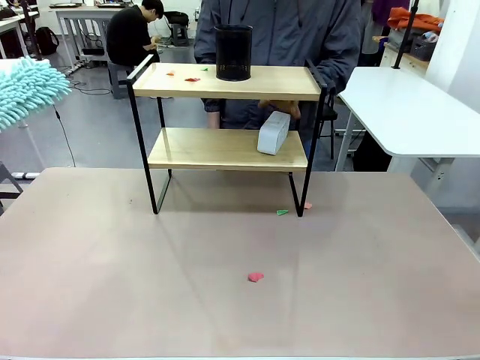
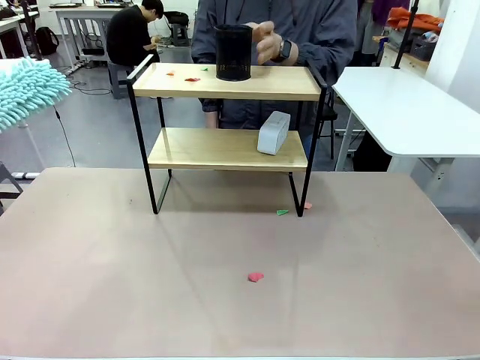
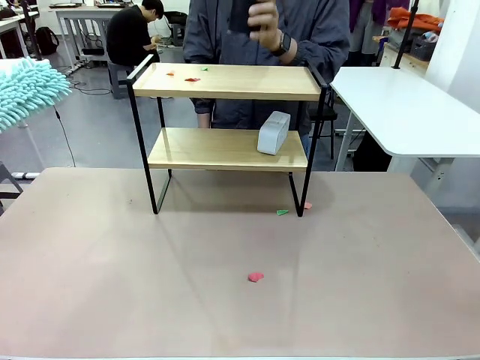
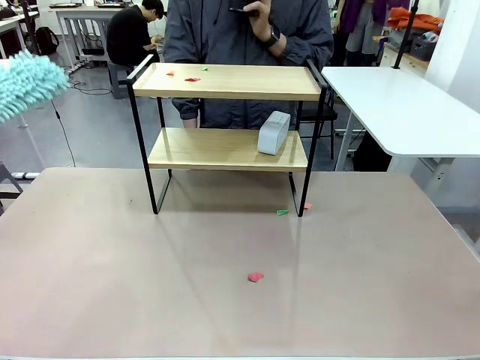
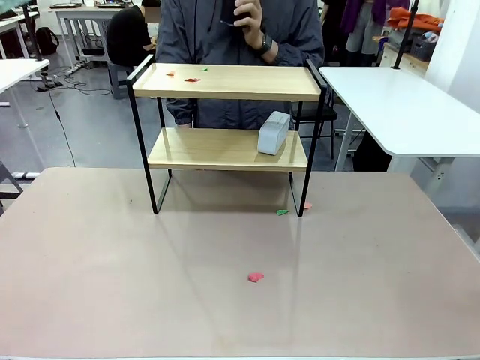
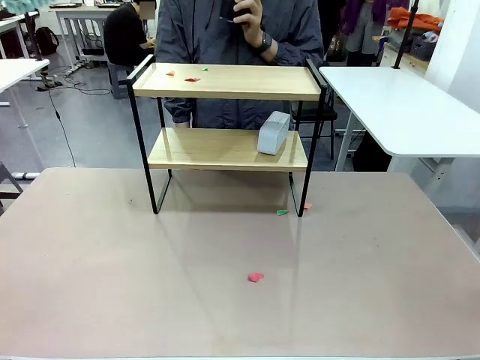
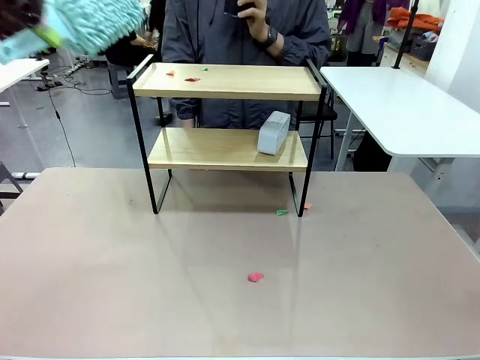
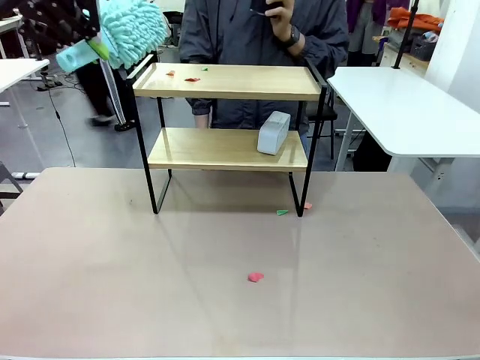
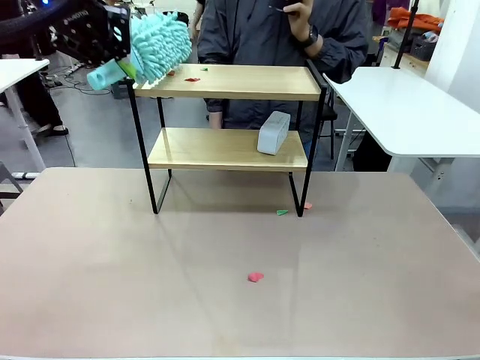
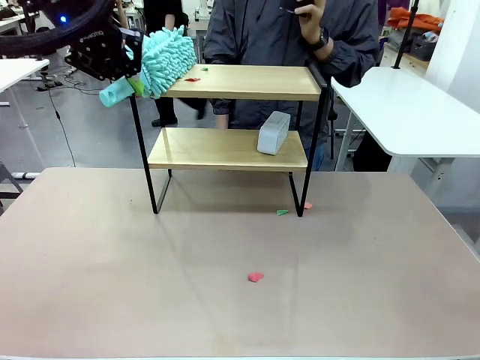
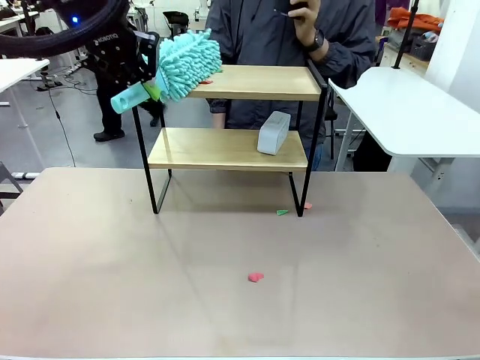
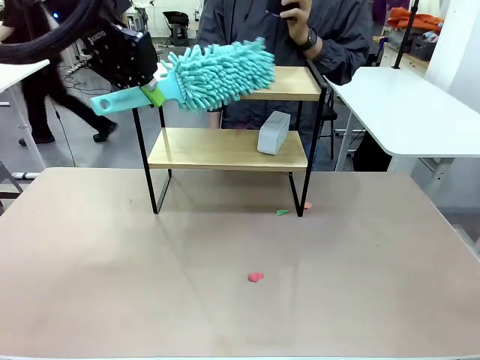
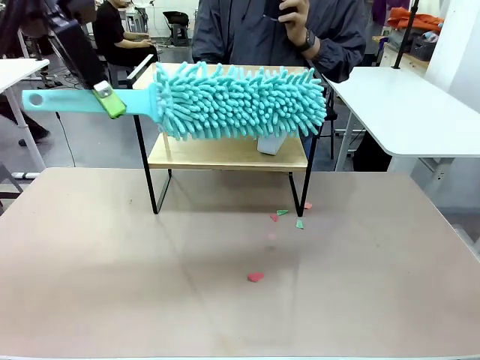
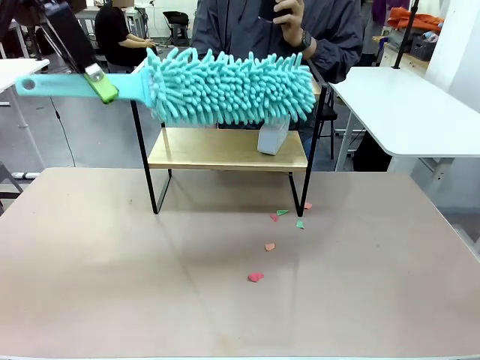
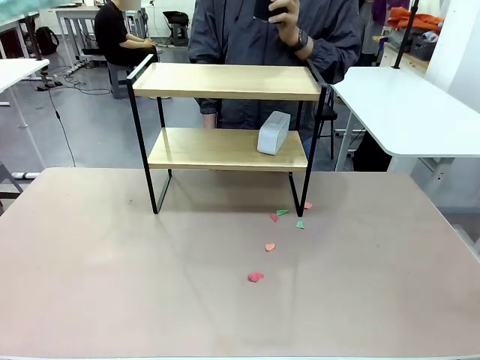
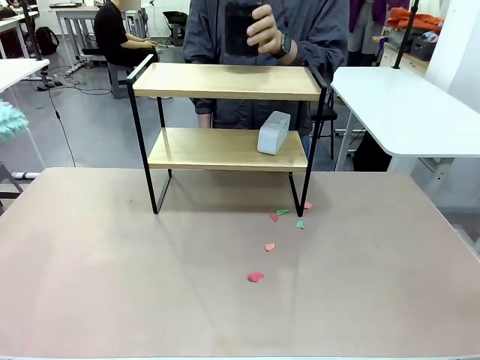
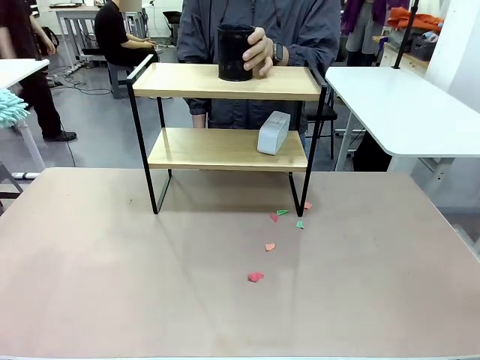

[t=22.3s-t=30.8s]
Task: Clean the shelf.
Robot: Clean the remaining tier of the Shelf with the Duster once objects are removed.

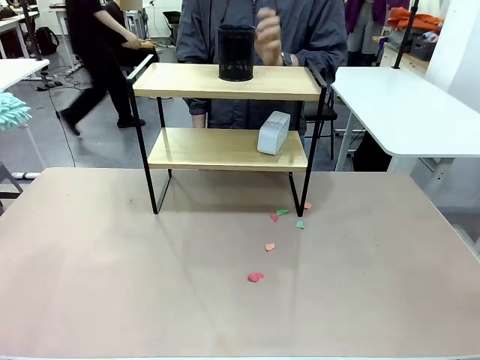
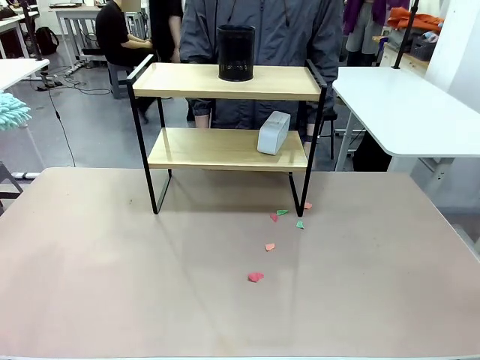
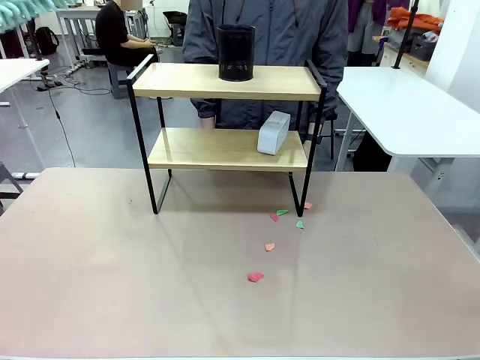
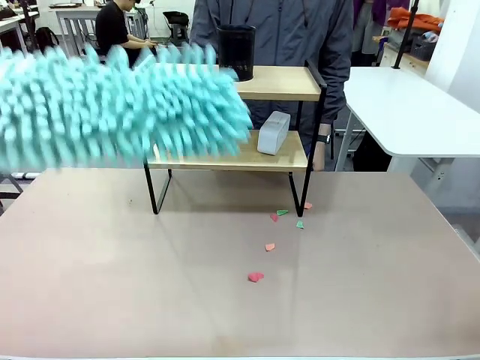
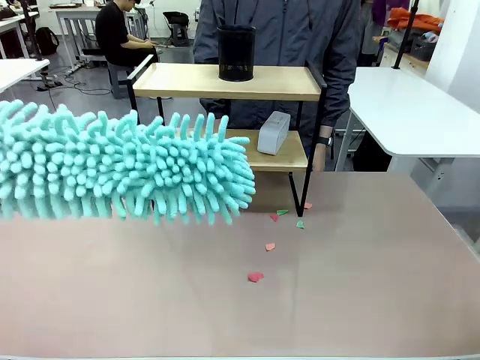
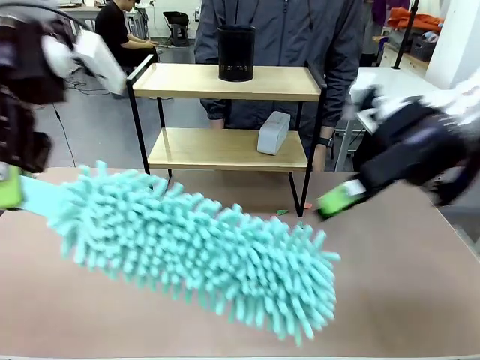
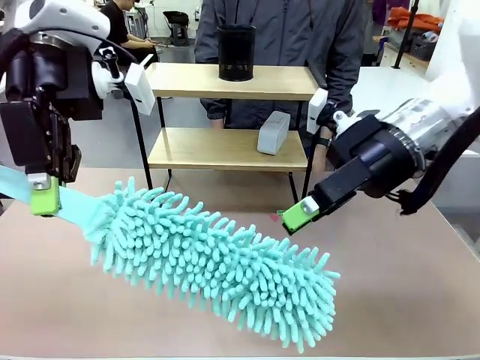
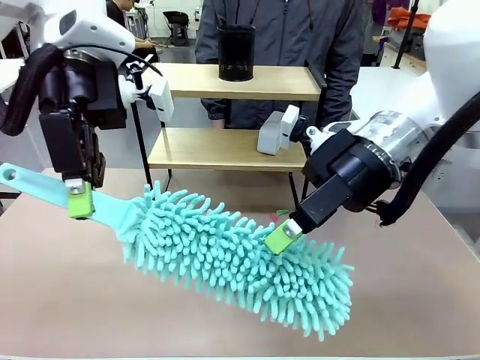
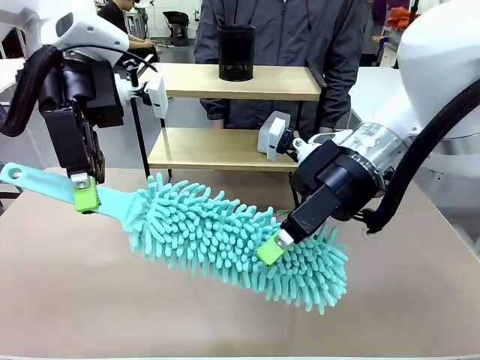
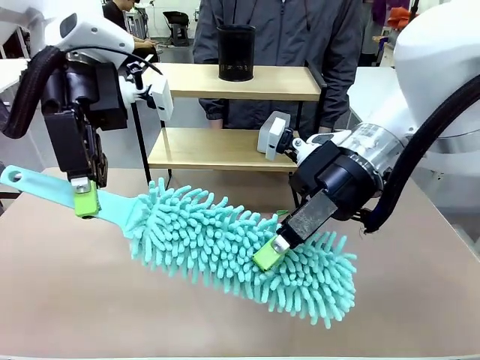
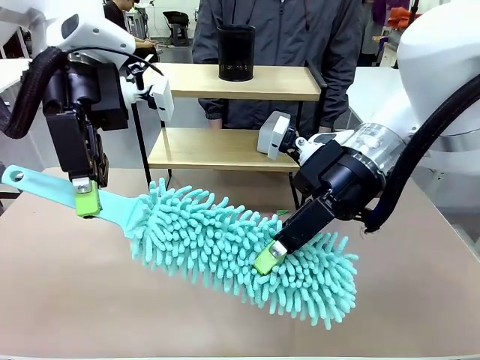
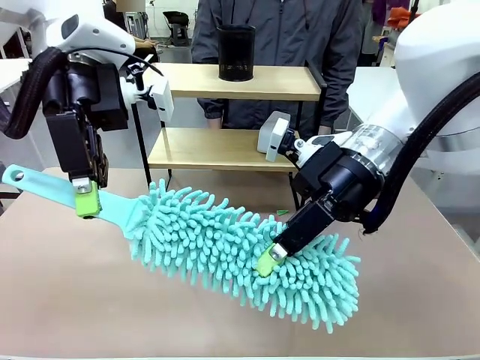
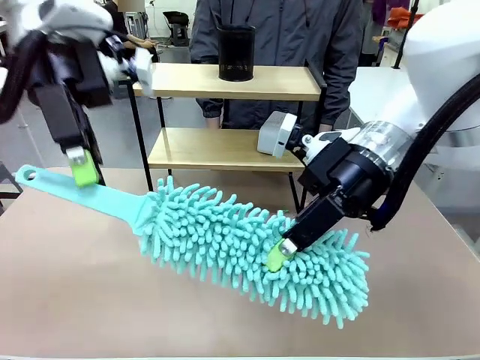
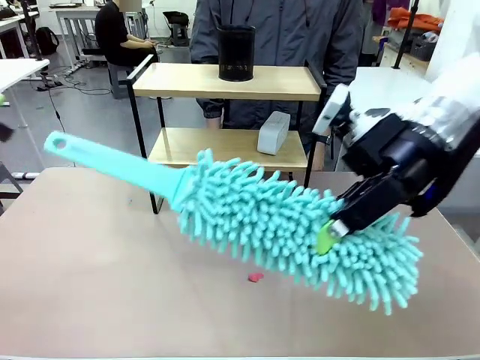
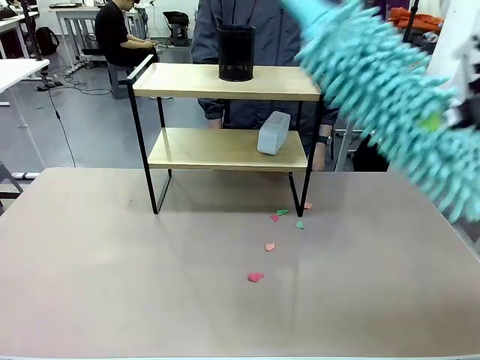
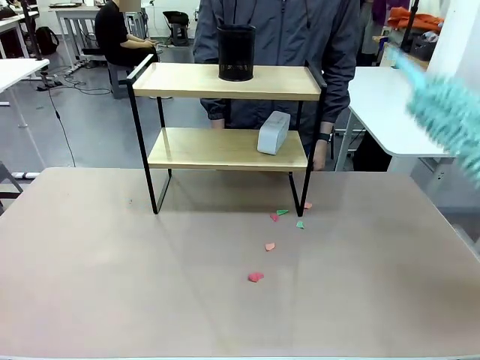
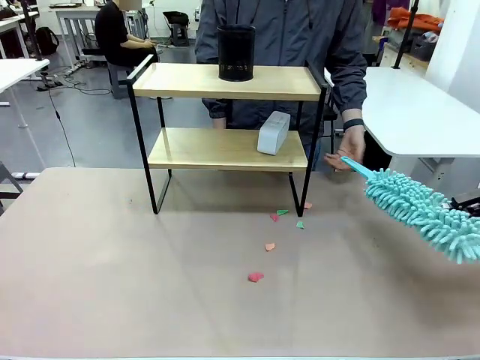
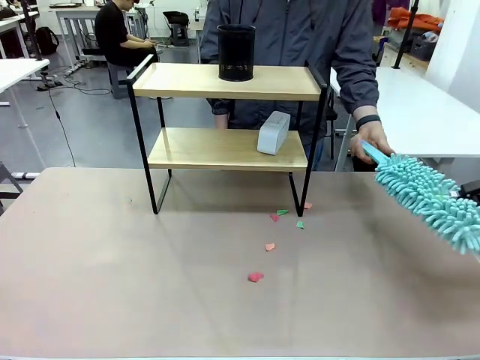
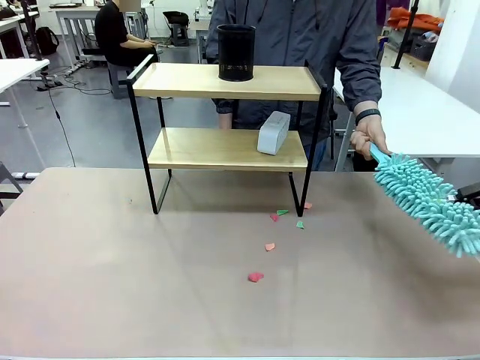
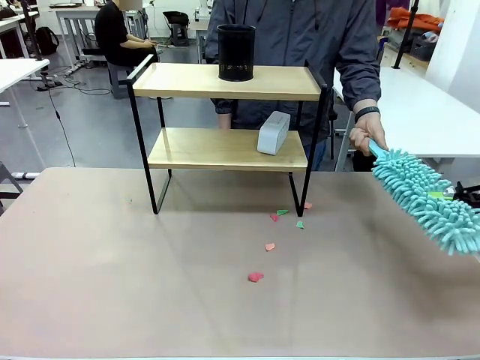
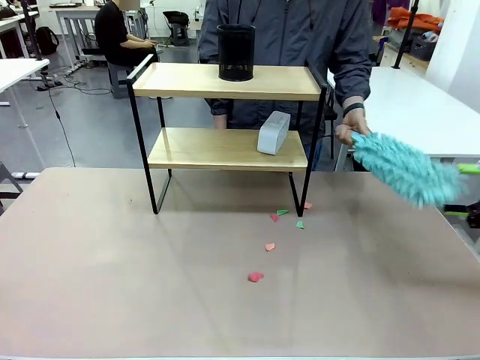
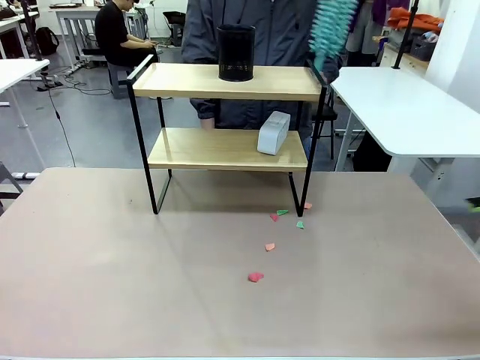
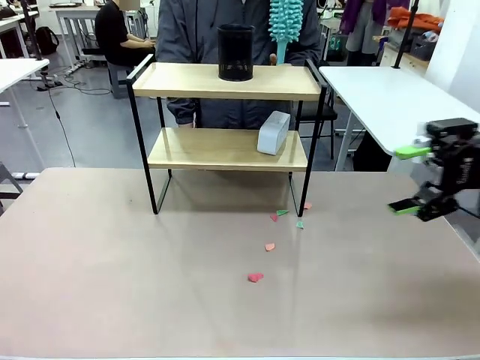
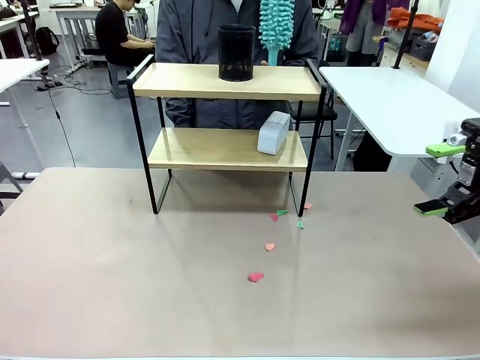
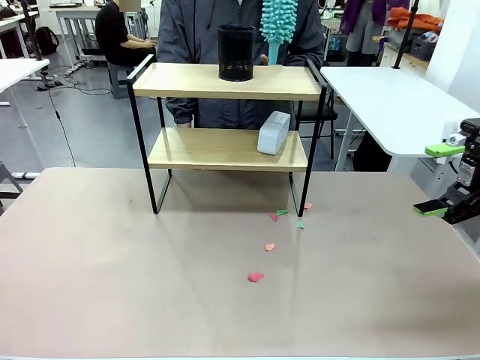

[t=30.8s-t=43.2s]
Robot: Hand the Duster back to the human.
Person: Receive the Duster from the robot.

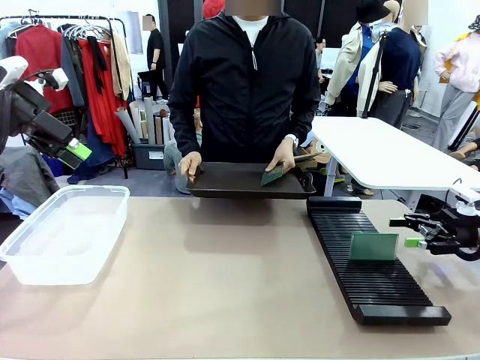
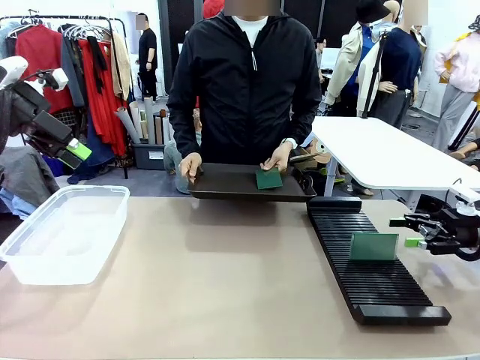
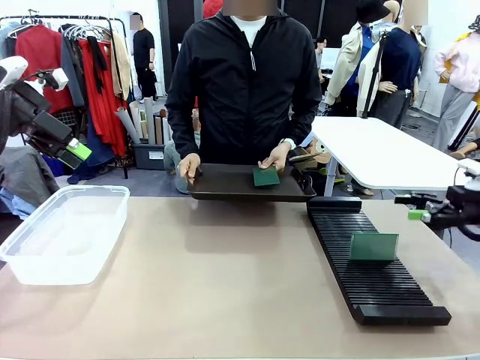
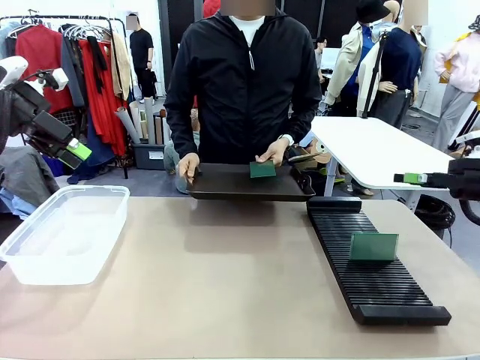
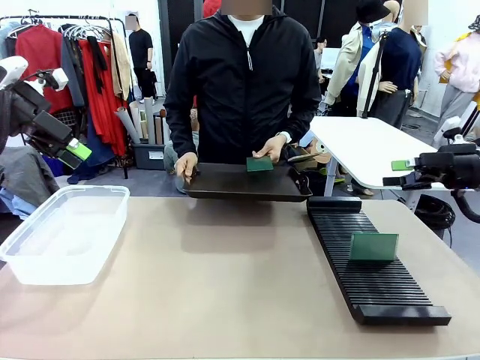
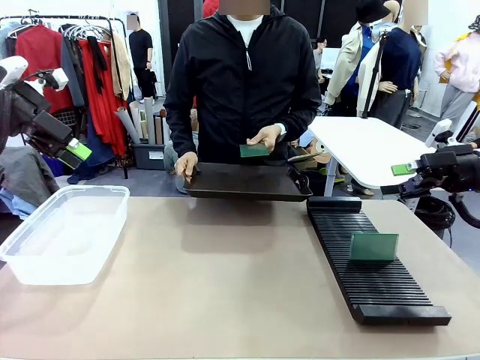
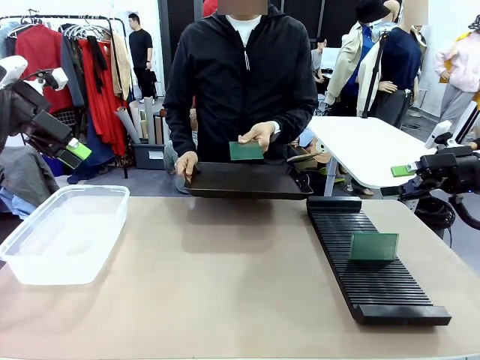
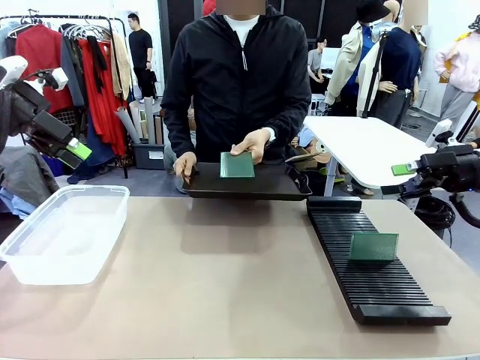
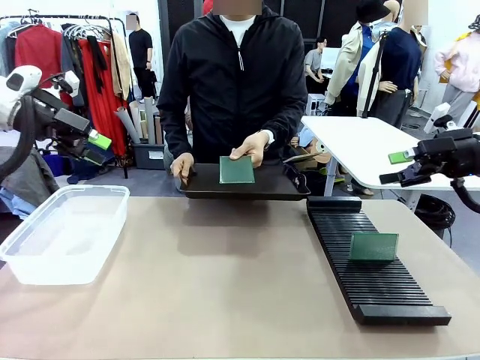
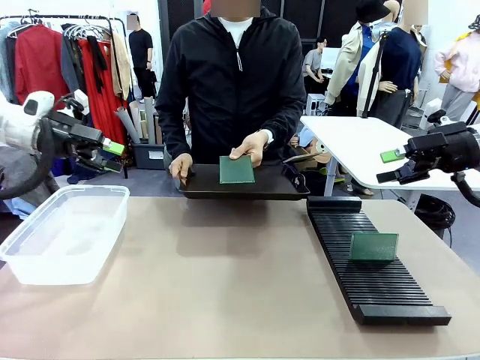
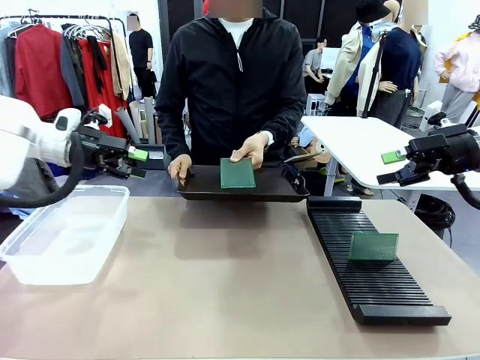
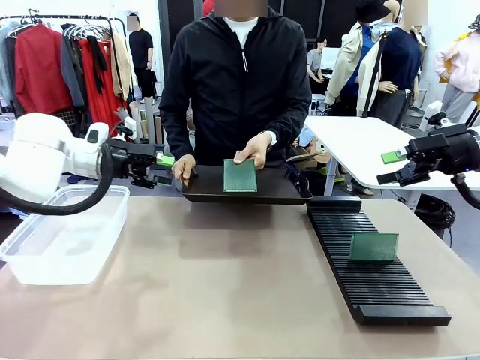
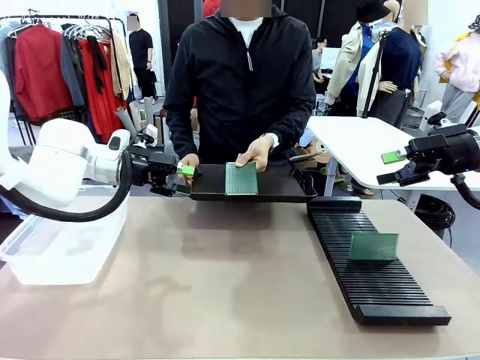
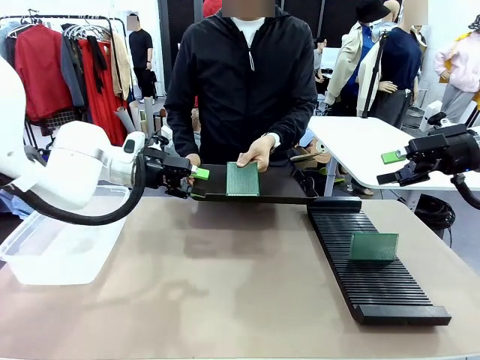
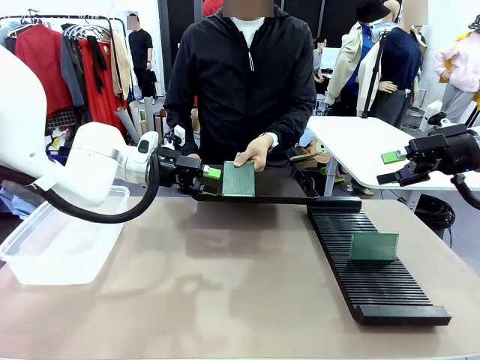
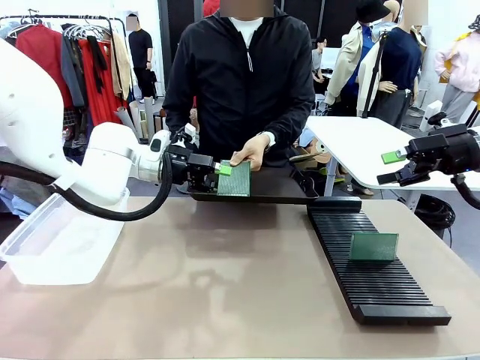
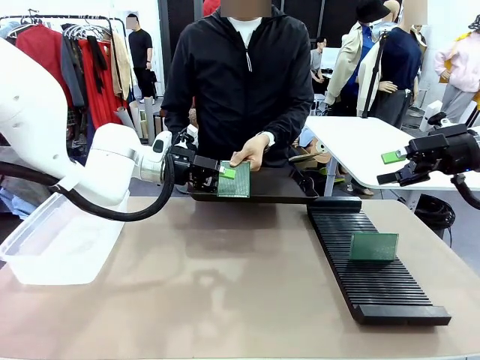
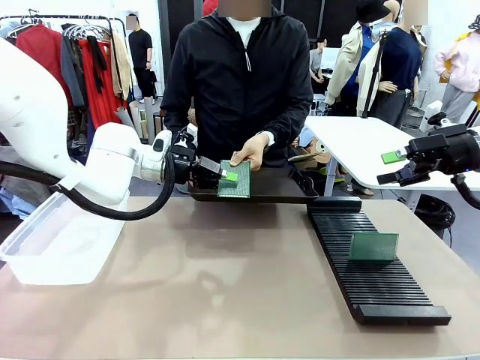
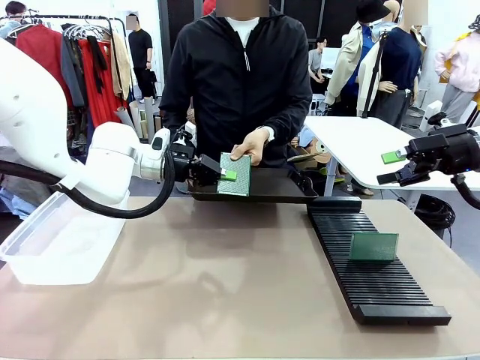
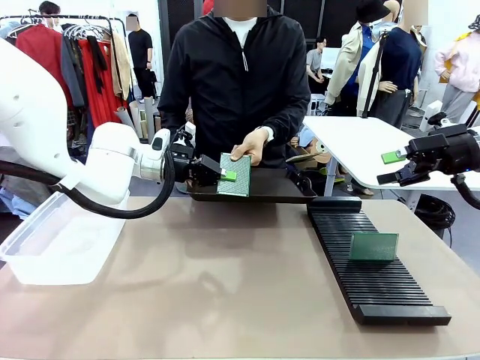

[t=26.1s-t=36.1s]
Task: Sort PCBs into racks and boxes based on the side picked up.
Robot: Pick up the Blank PCB handed by the Human.
